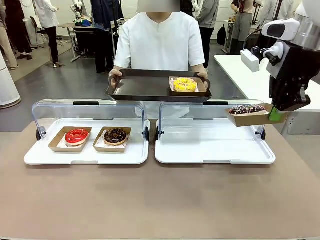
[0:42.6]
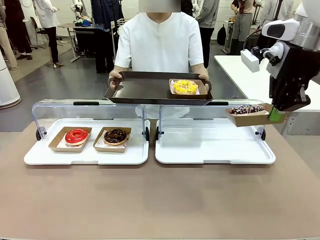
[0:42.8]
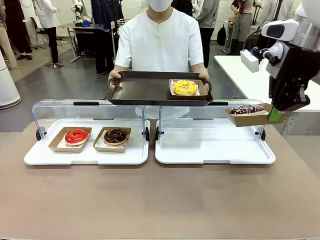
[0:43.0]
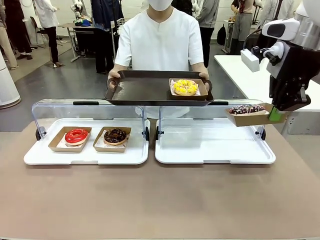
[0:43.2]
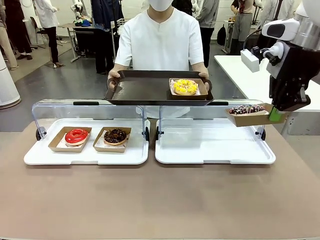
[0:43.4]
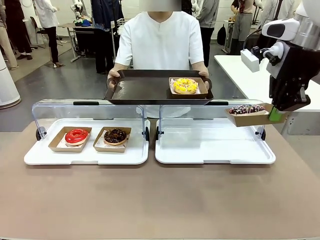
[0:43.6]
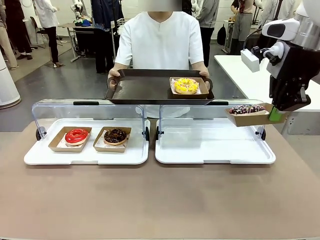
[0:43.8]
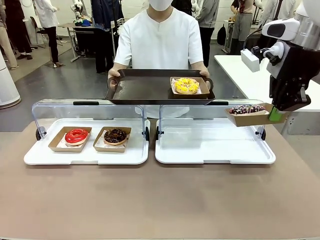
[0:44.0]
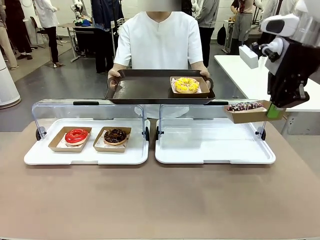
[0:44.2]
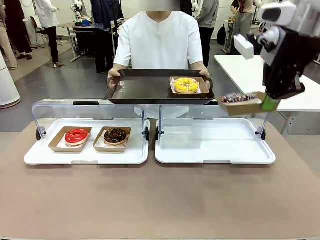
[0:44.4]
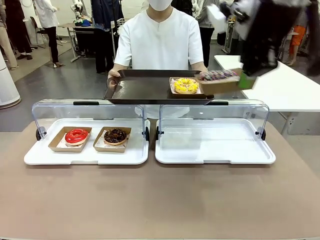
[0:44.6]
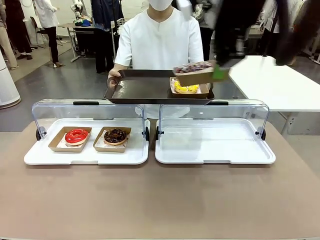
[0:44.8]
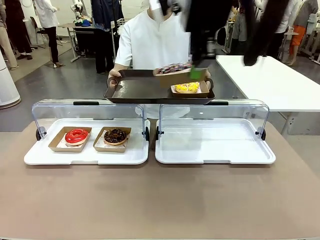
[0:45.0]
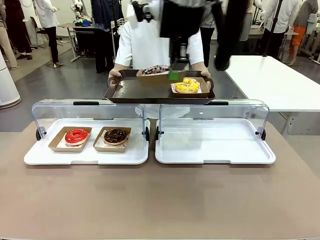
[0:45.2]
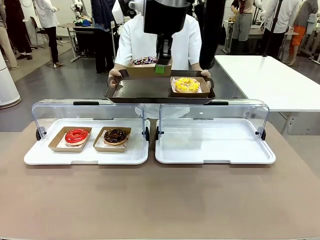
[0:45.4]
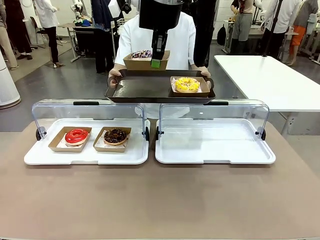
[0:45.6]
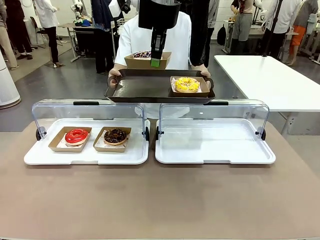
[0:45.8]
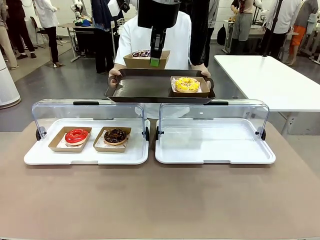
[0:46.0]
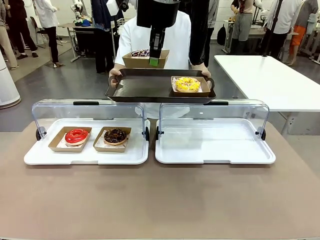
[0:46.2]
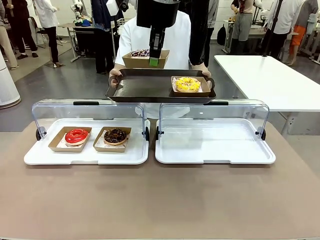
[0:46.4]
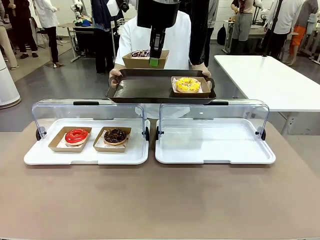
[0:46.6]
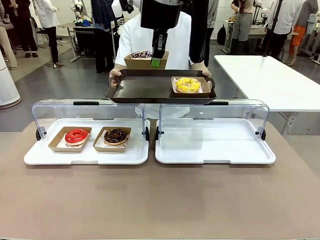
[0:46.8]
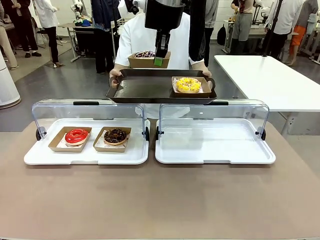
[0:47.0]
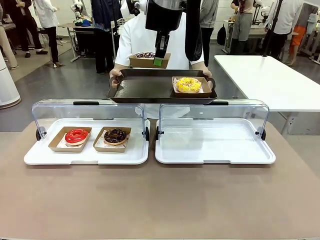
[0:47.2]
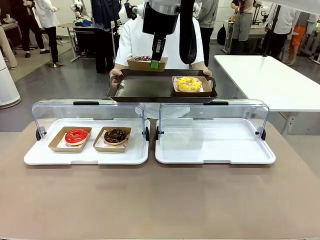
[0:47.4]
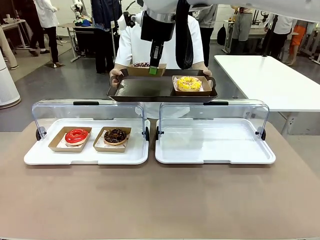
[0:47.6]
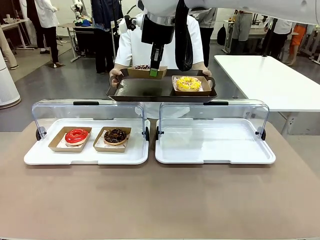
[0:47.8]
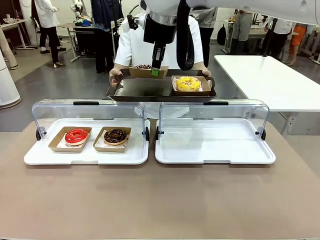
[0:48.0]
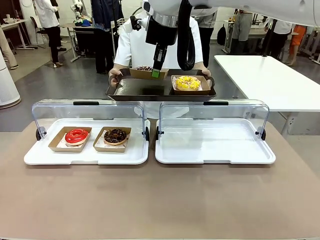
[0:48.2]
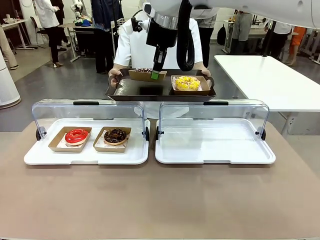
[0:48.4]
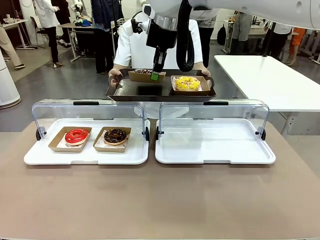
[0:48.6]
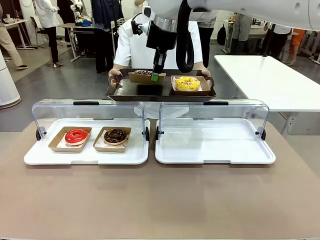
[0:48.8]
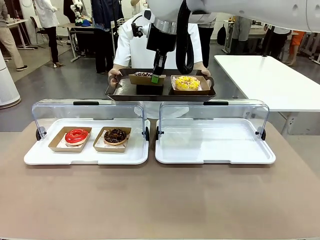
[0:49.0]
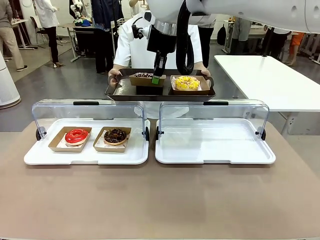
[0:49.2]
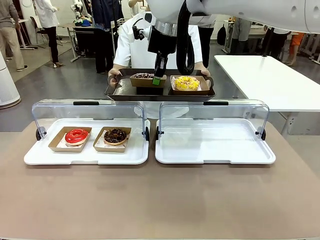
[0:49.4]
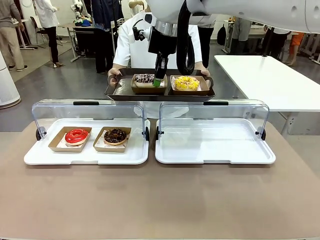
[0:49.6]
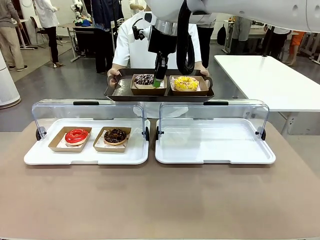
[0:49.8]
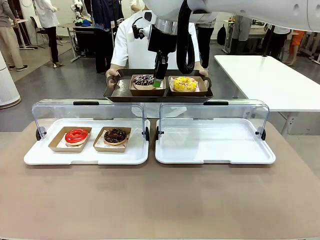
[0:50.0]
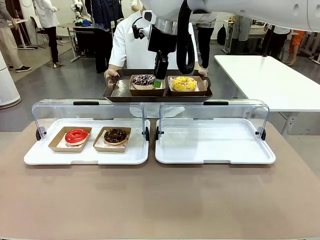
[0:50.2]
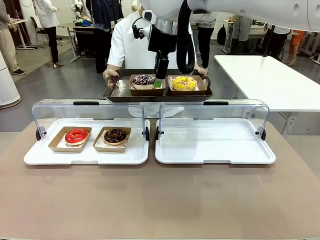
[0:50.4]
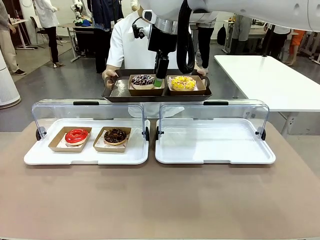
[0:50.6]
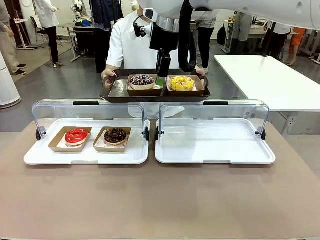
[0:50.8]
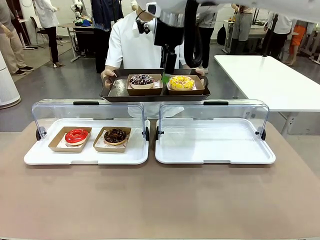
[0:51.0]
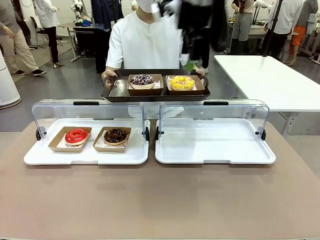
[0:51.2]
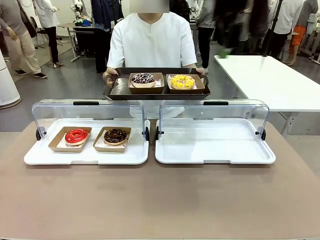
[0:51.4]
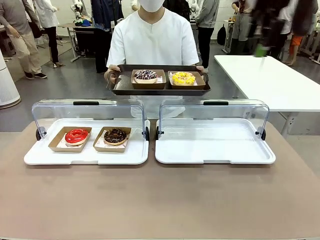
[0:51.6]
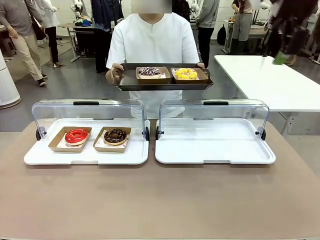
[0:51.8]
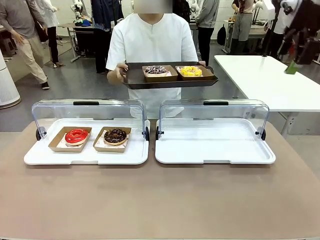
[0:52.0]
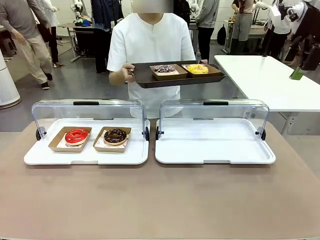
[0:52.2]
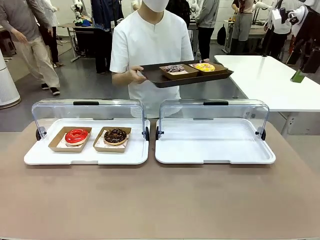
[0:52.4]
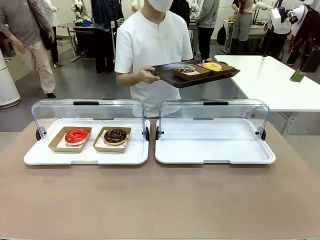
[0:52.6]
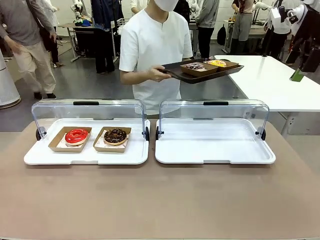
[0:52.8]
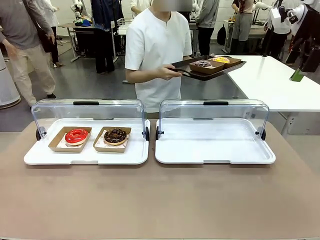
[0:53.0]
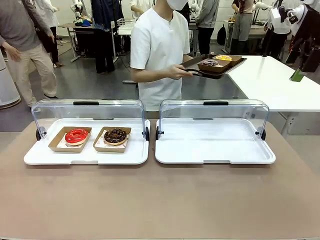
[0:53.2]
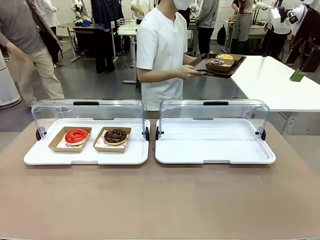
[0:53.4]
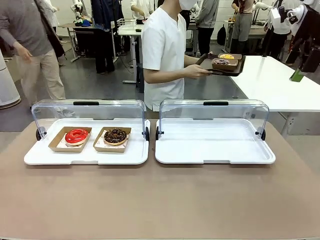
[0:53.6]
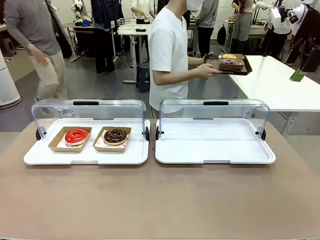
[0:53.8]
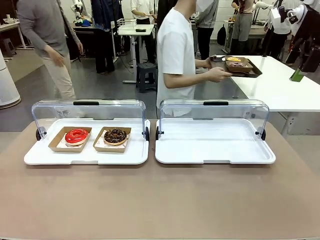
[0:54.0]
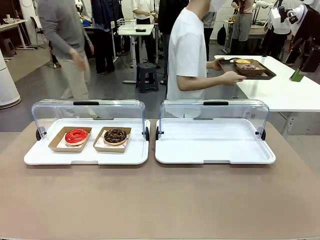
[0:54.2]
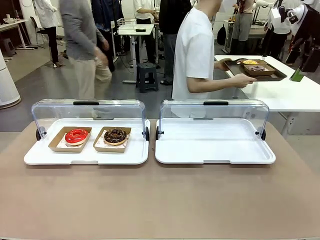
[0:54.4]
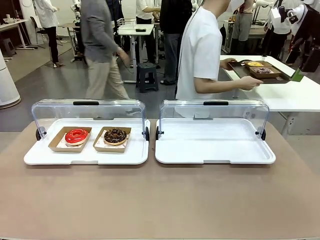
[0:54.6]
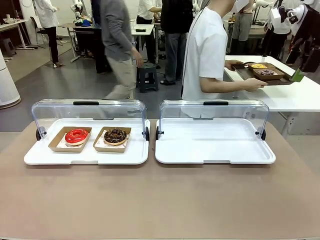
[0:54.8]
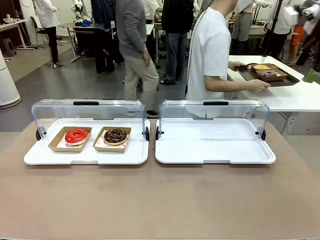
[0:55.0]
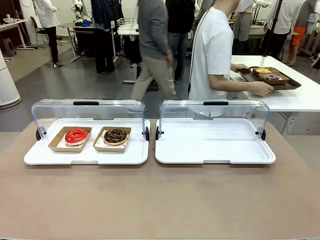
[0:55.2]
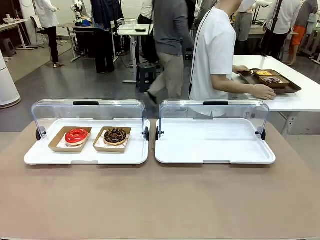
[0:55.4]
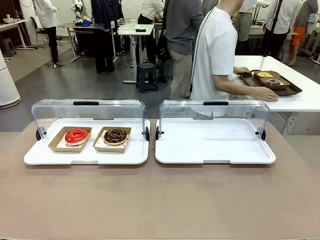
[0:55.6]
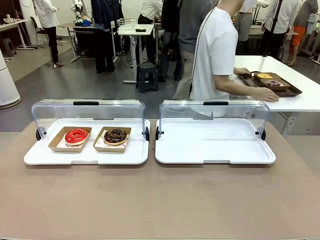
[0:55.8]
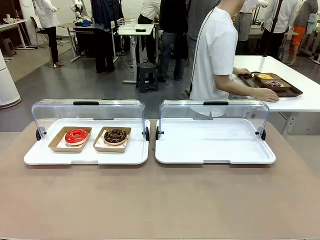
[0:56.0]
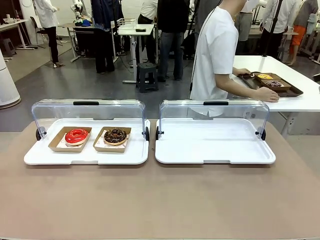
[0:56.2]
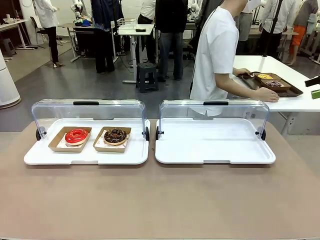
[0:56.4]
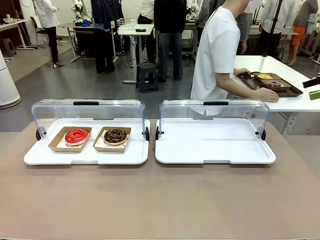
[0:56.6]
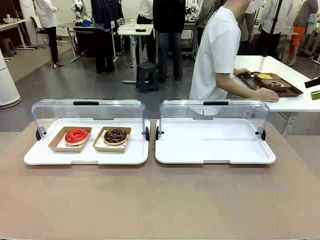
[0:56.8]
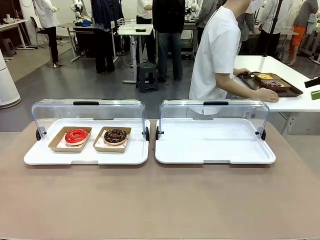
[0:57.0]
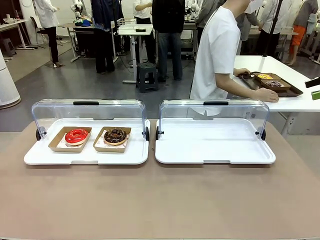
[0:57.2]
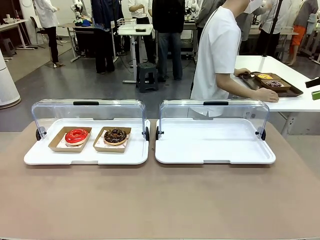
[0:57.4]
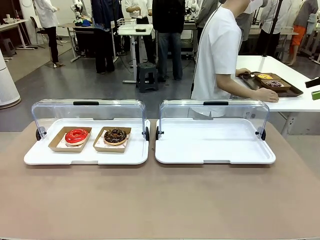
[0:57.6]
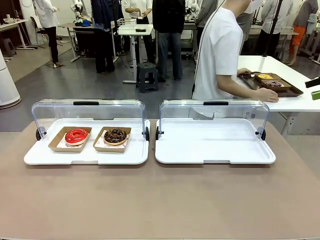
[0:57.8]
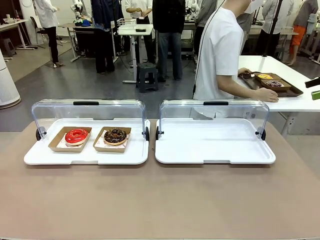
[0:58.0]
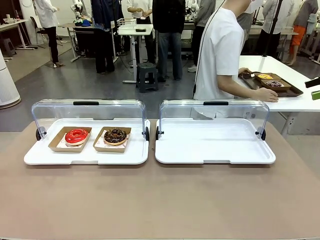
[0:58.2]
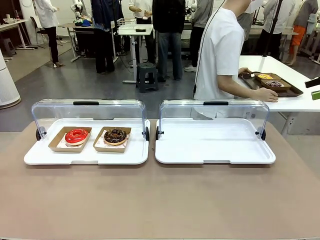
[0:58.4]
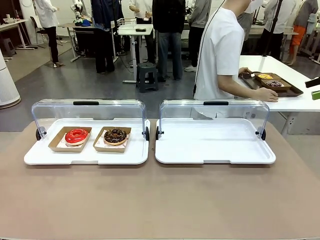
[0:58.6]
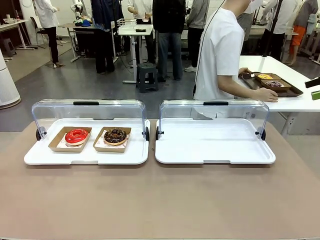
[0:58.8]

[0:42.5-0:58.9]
Task: Provide the desired donut to the person.
Robot: Place the picked Paper togo box onto the Handle tray extended by the person.
Person: Place the tray in the middle of the human table.

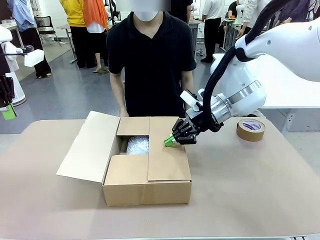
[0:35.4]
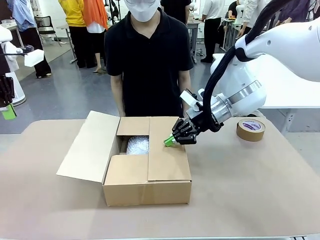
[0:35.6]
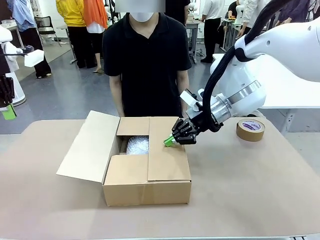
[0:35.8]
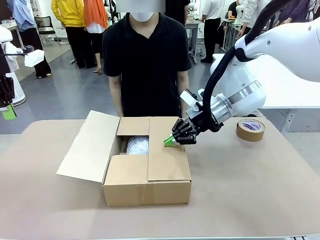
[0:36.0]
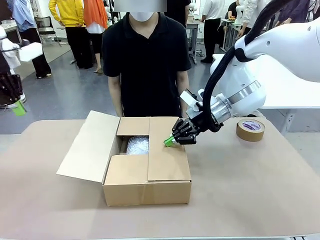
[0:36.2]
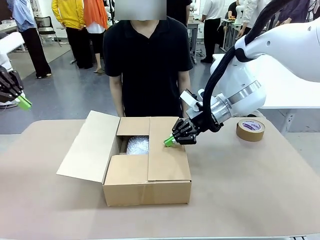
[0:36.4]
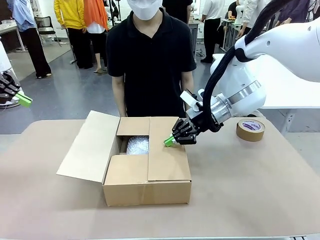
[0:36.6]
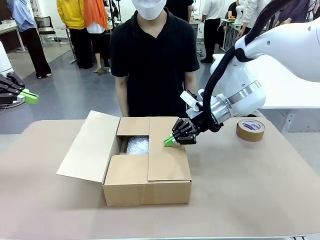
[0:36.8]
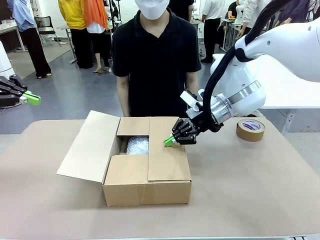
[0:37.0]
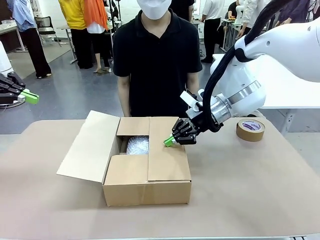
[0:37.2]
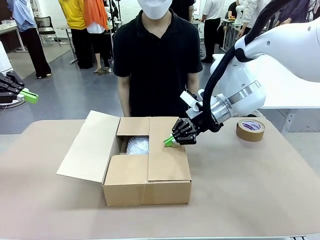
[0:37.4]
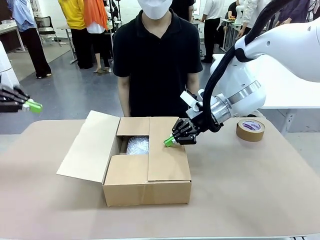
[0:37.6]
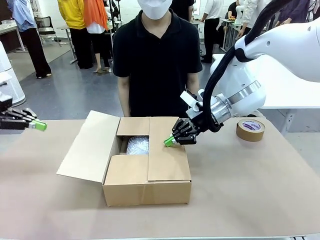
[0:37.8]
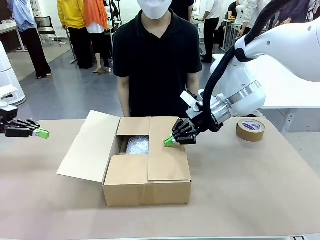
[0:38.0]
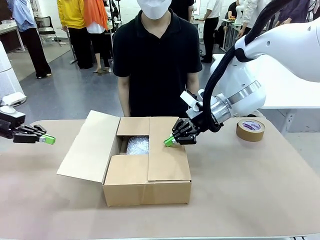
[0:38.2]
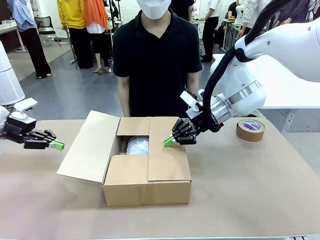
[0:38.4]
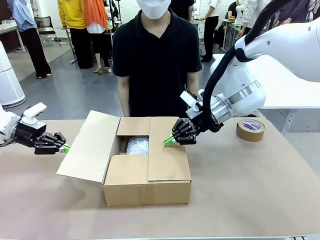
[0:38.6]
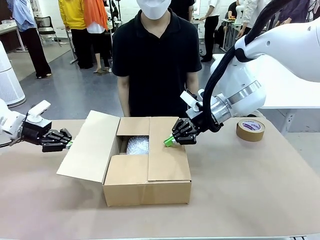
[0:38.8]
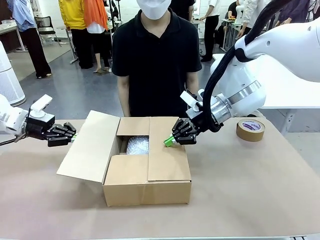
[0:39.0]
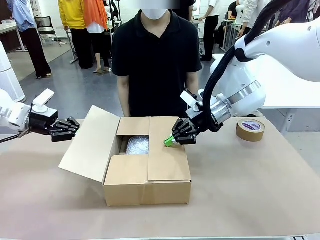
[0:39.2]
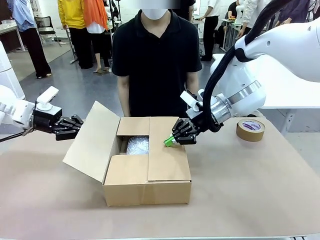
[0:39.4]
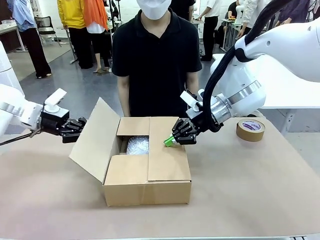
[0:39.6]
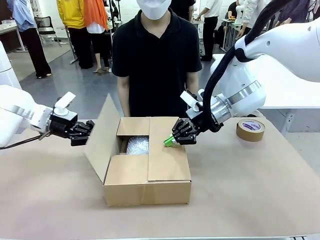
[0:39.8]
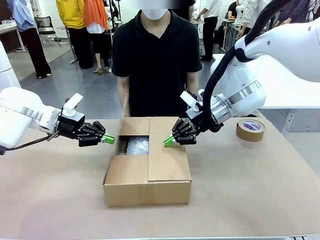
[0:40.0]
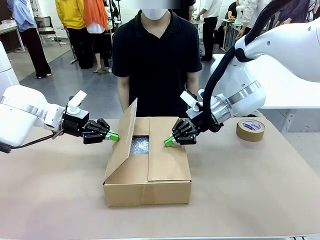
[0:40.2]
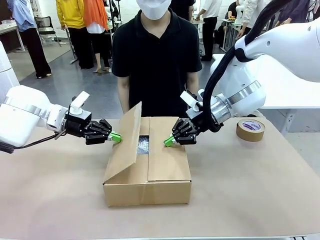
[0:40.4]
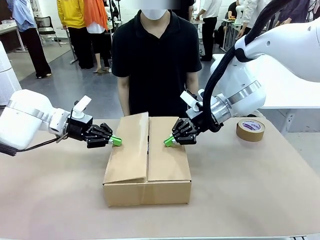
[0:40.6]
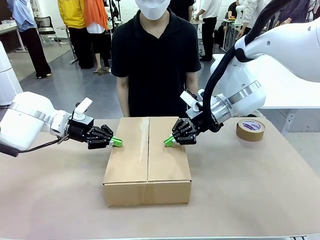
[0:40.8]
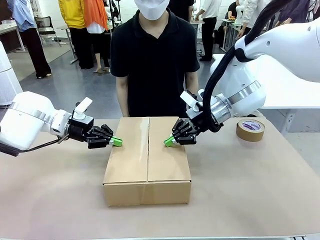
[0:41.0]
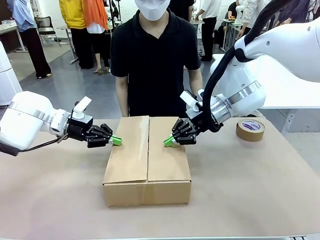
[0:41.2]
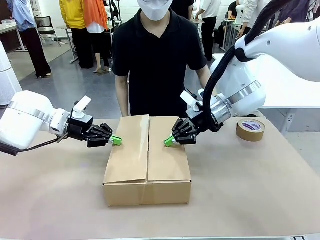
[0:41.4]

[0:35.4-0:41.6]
Task: Wrap the clocks to prevent damage.
Robot: Push the left (or right) flap of the Package Box to close it.
